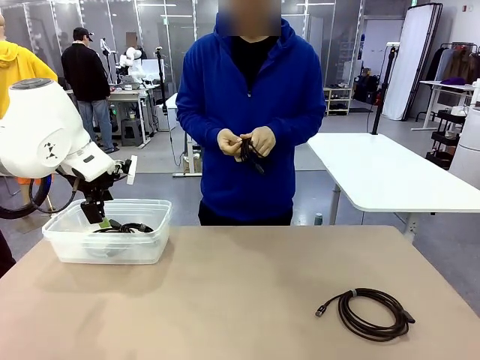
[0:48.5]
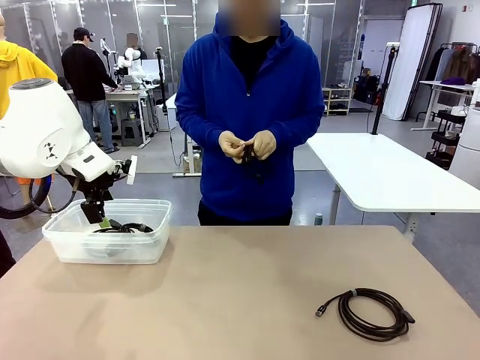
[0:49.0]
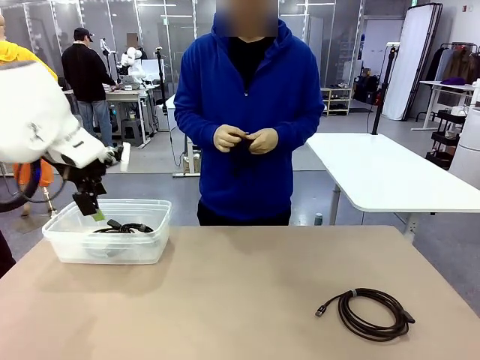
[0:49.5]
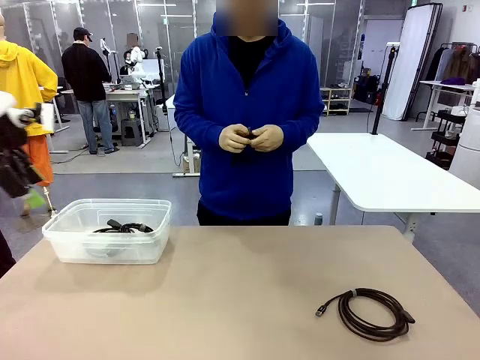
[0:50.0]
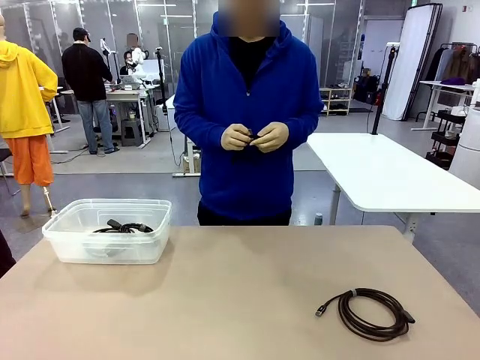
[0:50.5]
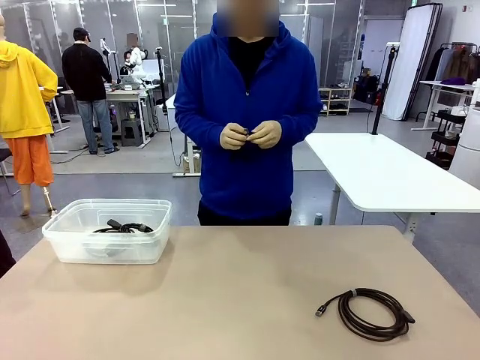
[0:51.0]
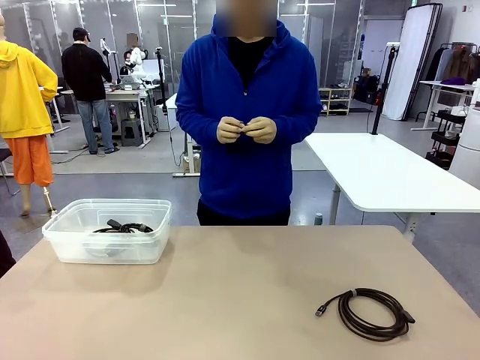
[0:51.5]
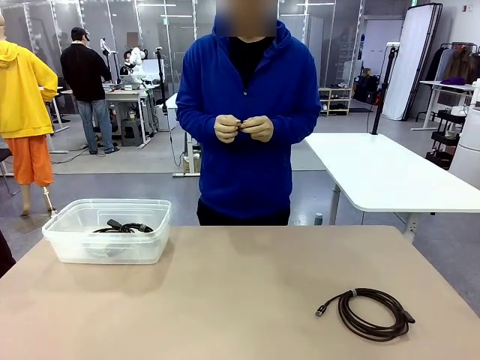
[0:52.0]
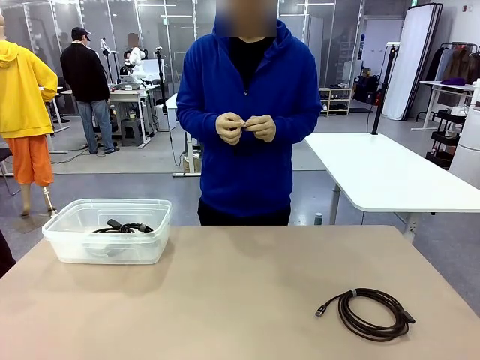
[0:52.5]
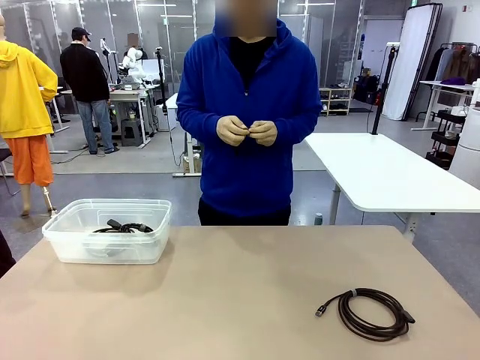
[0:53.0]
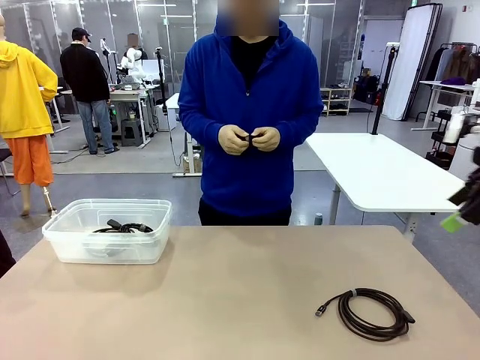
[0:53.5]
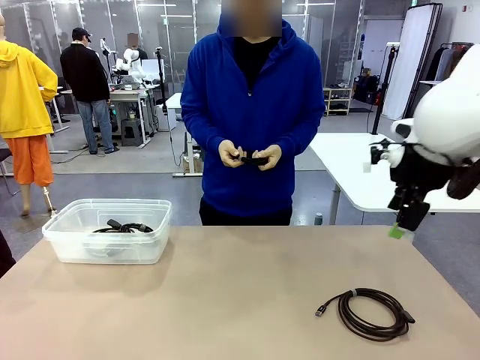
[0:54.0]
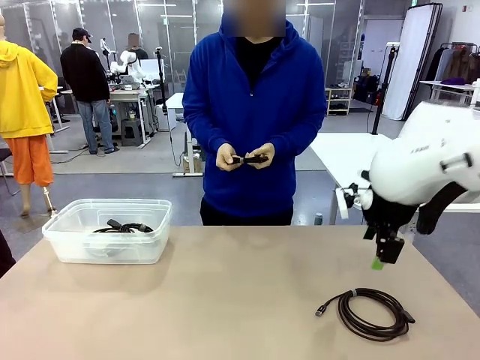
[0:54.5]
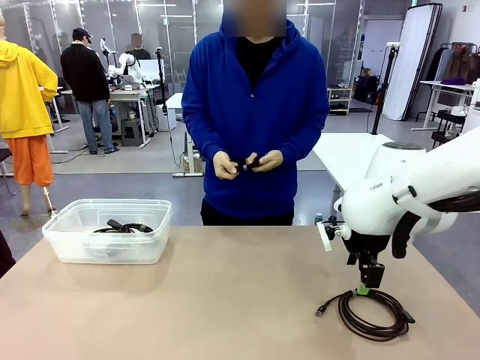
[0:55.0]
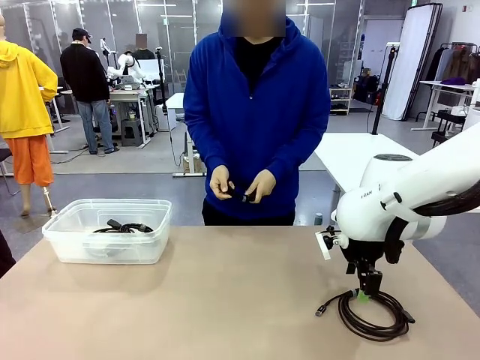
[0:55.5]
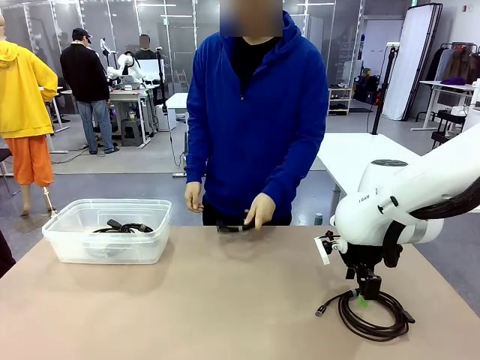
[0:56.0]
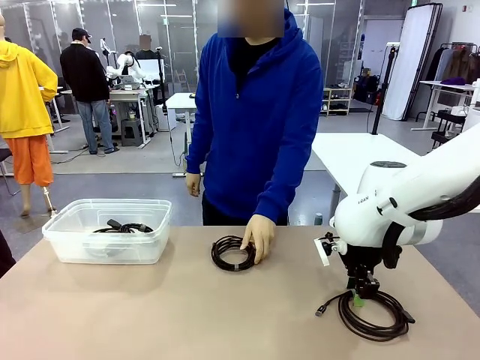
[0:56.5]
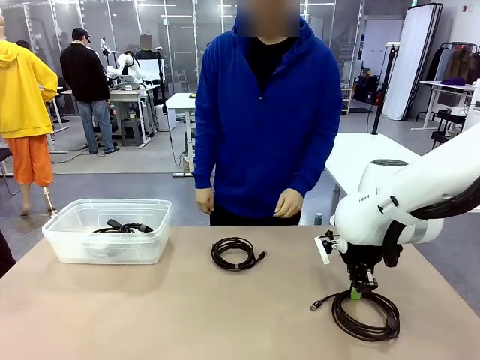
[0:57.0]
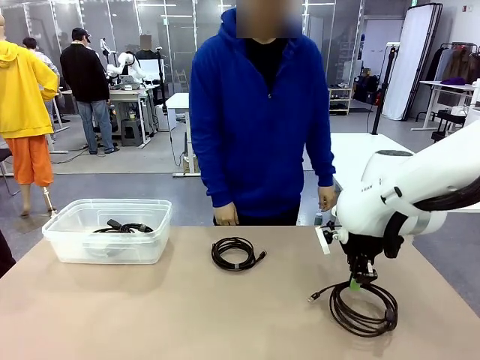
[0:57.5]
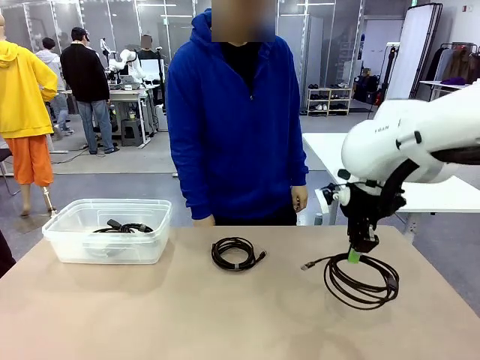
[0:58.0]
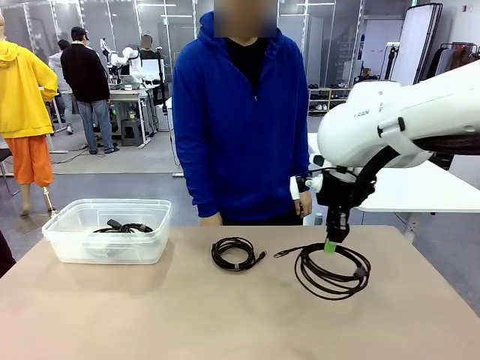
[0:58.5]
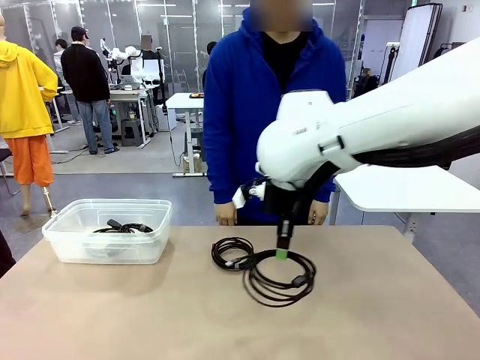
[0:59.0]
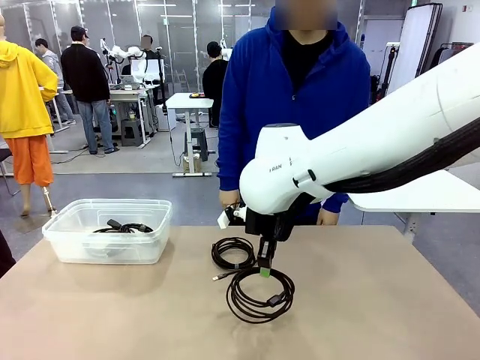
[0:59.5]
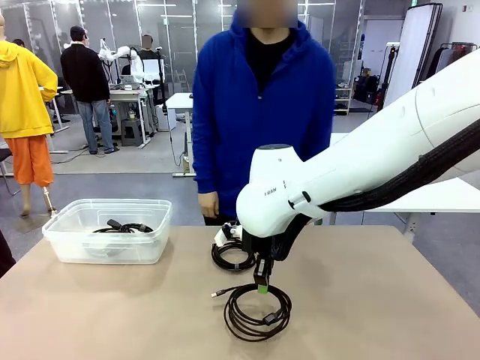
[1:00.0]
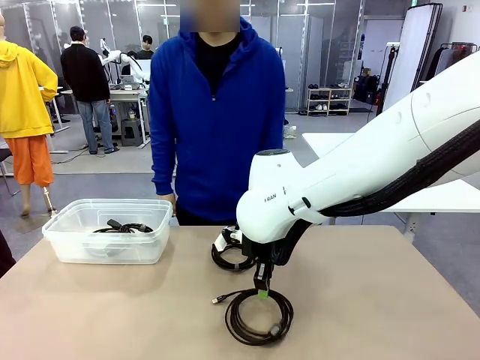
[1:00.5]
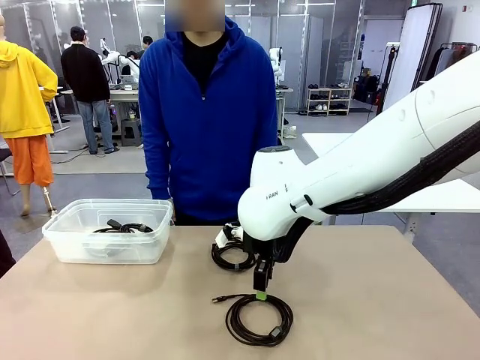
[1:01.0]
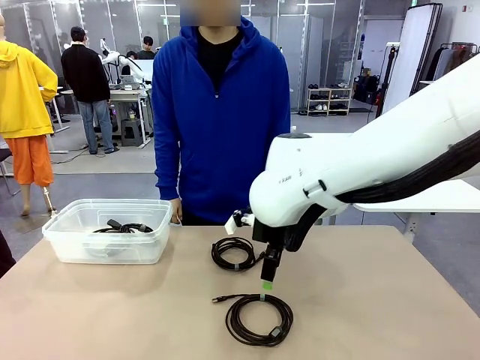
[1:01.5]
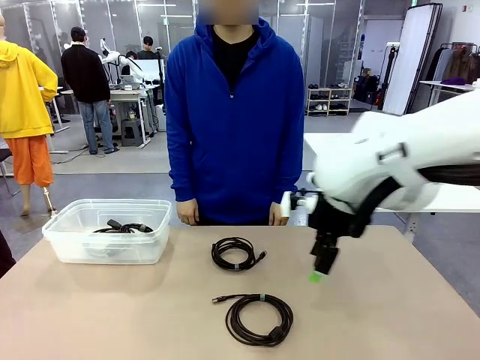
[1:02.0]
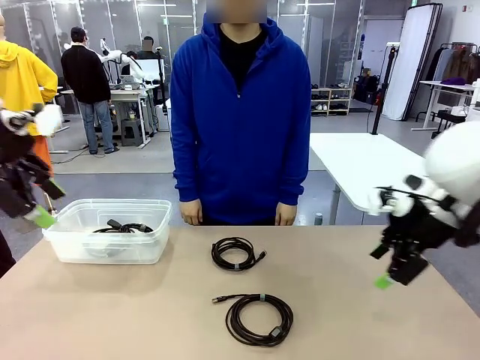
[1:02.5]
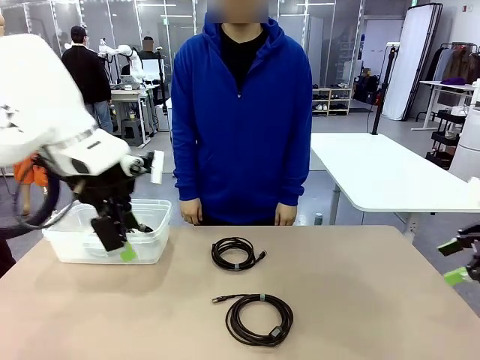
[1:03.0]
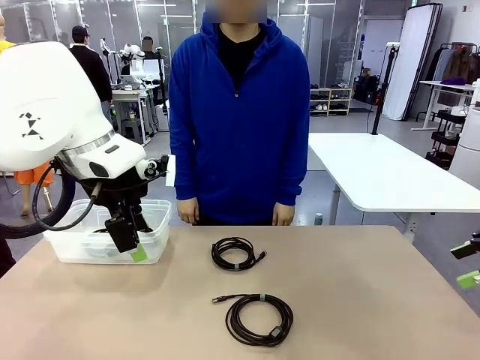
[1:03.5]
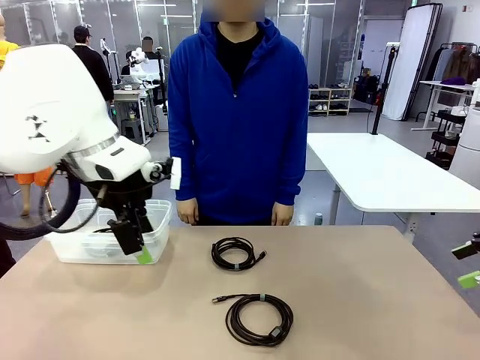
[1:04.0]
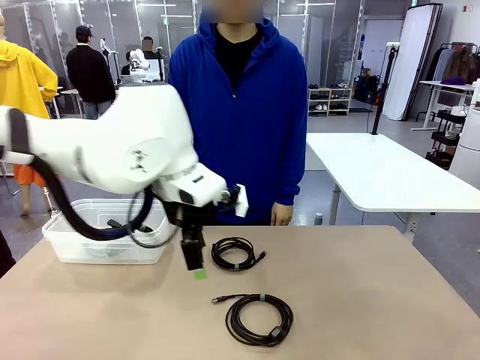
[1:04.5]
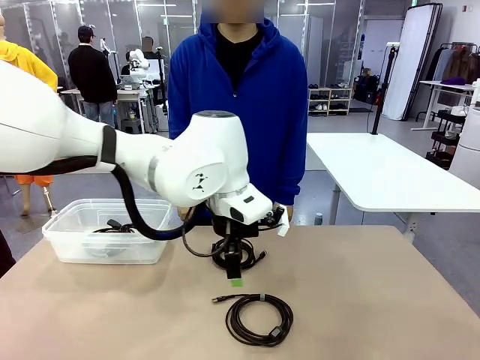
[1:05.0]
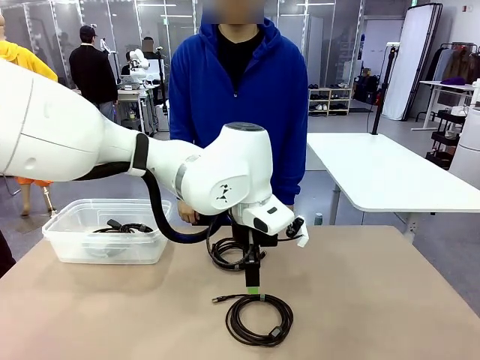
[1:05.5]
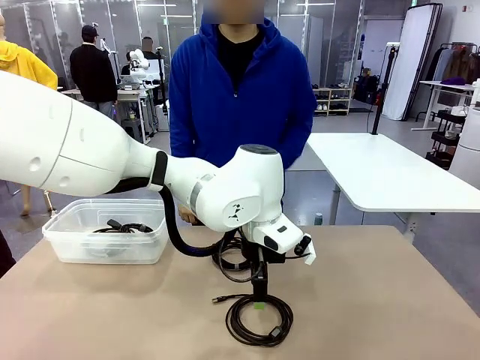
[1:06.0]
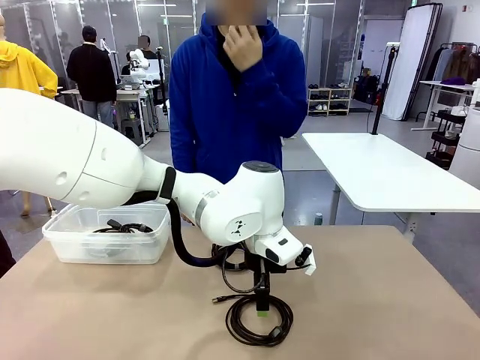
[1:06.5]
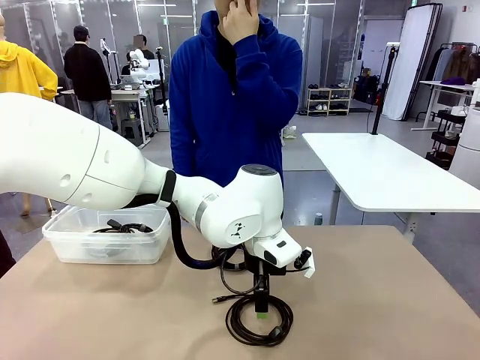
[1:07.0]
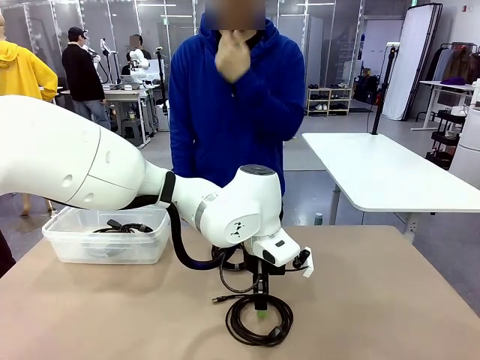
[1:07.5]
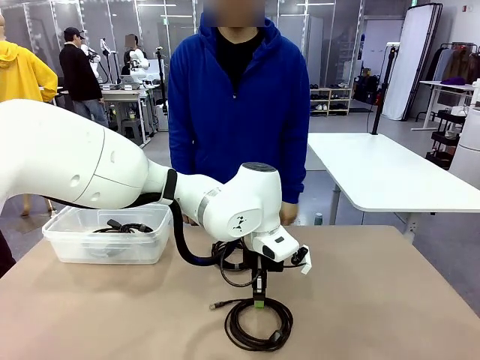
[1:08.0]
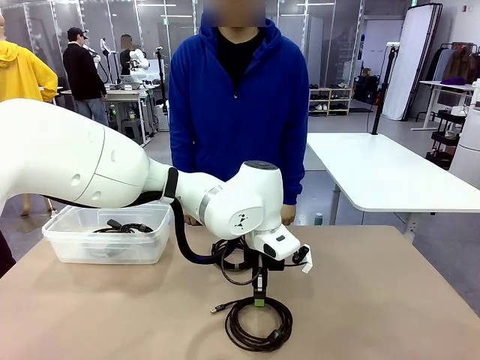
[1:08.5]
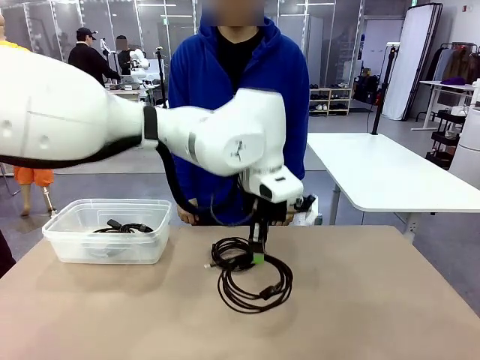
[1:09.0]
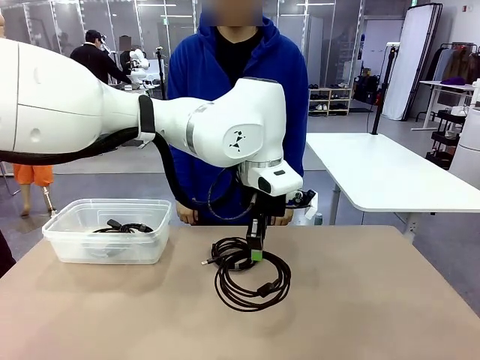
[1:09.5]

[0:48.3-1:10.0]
Task: Organize and store the cables.
Robot: Place the USB Extension Cable into the Organizing box.

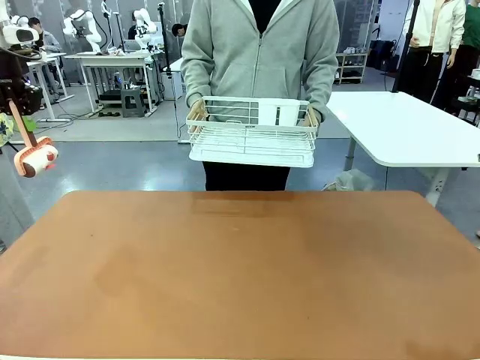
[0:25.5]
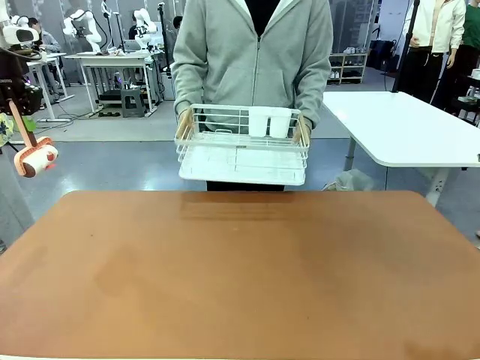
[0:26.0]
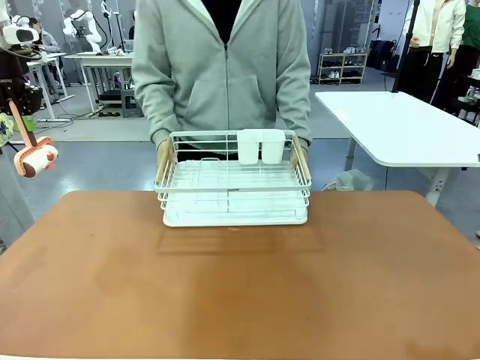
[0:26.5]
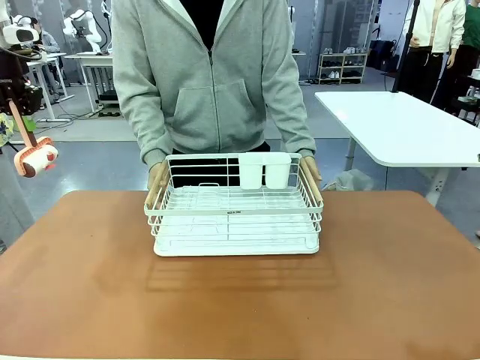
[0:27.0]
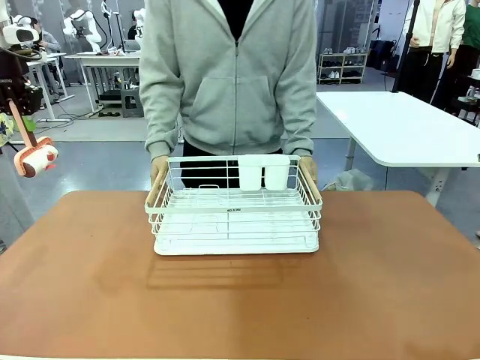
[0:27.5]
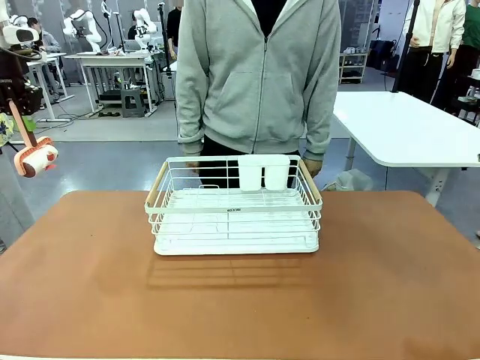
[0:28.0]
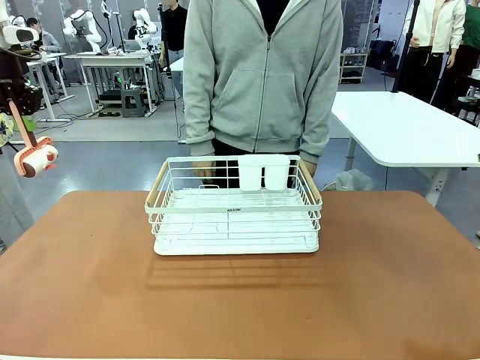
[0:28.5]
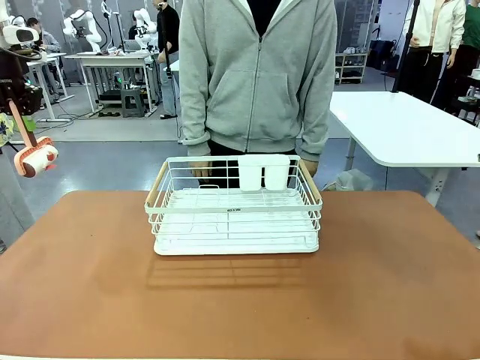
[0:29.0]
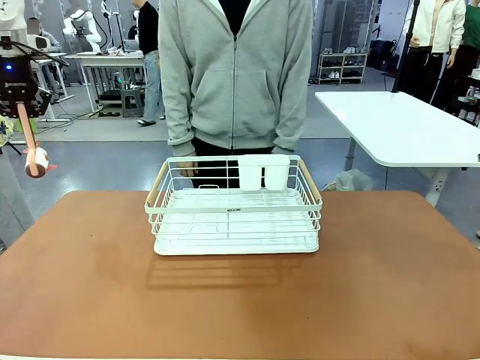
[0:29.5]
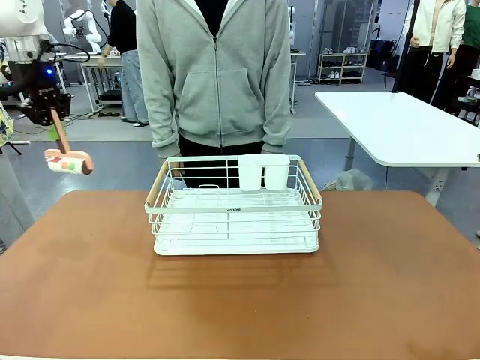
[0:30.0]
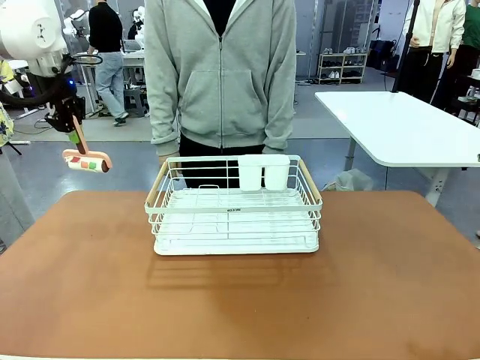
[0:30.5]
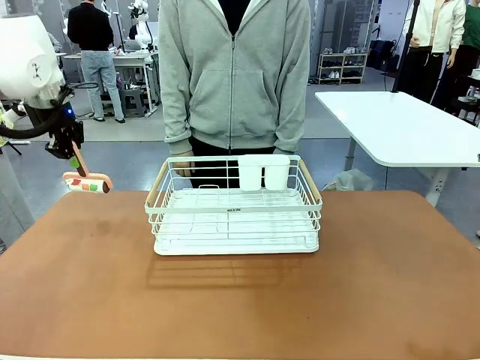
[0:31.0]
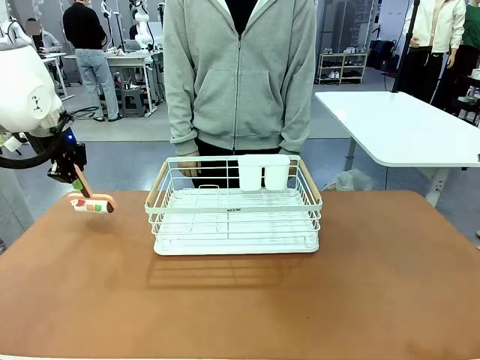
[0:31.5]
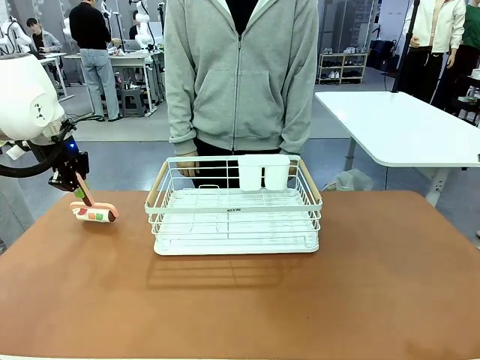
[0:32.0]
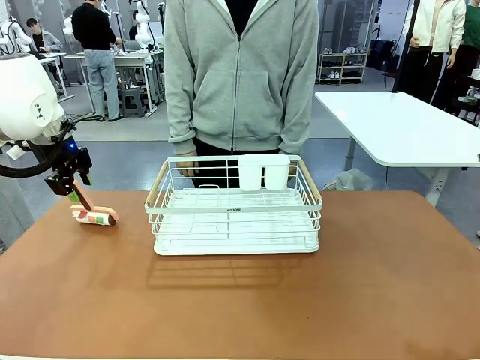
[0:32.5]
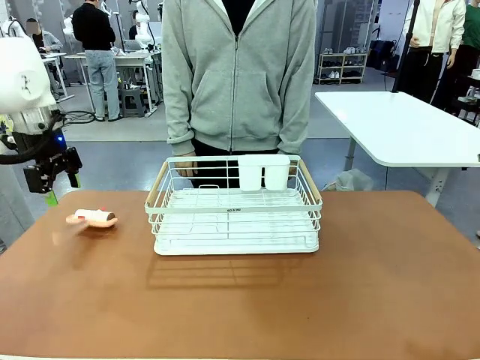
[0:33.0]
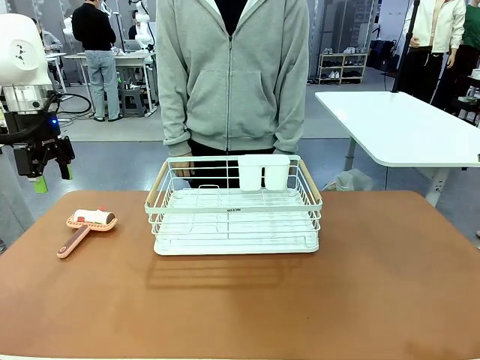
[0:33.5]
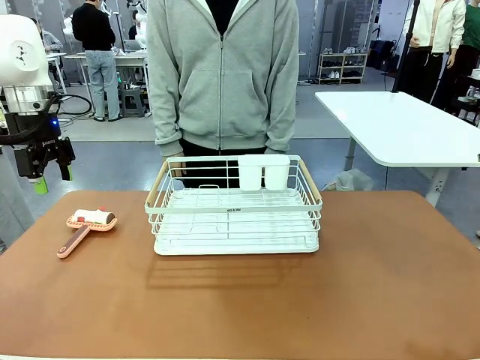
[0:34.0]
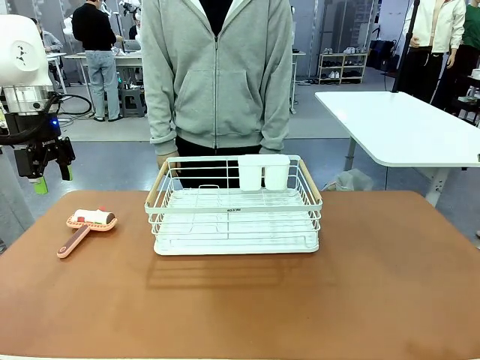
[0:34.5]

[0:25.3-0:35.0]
Task: Clean the table.
Robot: Place the Lint Roller down when the Dish drying rack is positioned in the middle of the table.
Person: Place the Dish drying rack down when the robot finishes cleaning.
